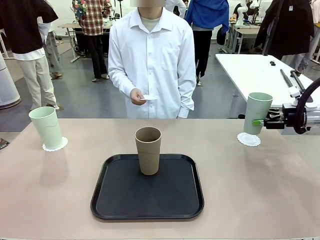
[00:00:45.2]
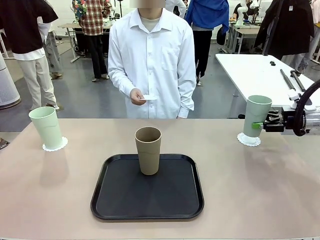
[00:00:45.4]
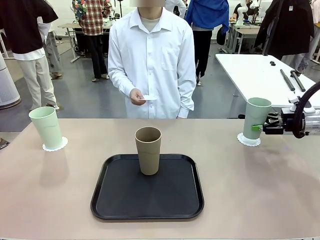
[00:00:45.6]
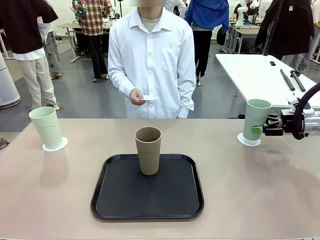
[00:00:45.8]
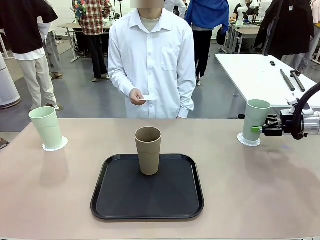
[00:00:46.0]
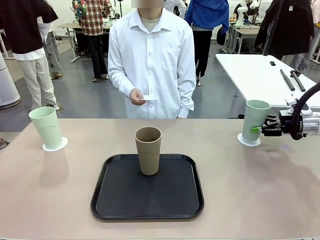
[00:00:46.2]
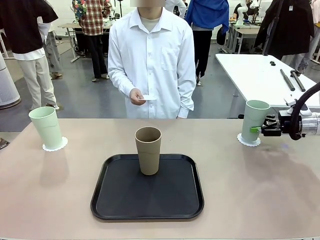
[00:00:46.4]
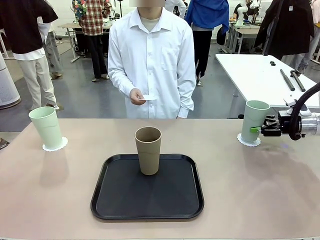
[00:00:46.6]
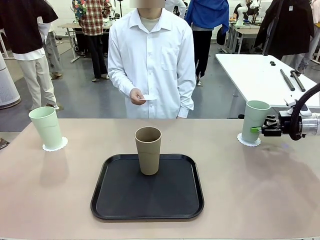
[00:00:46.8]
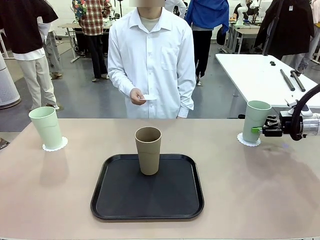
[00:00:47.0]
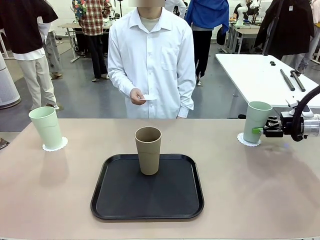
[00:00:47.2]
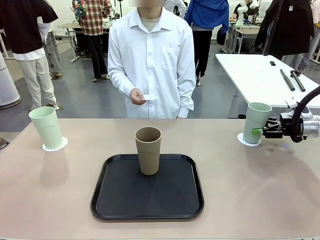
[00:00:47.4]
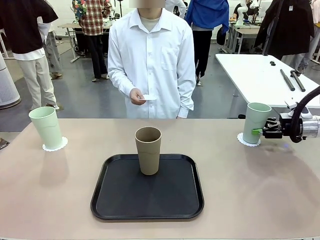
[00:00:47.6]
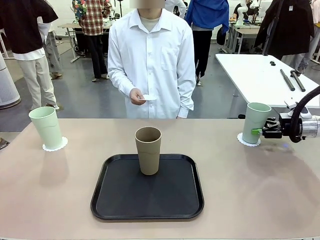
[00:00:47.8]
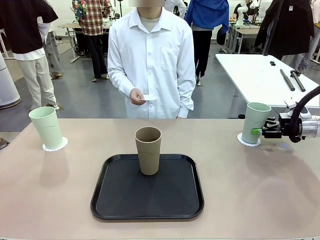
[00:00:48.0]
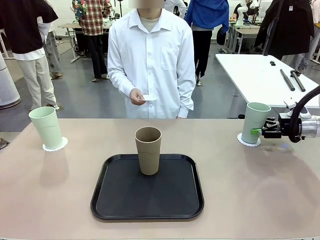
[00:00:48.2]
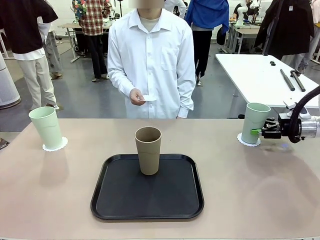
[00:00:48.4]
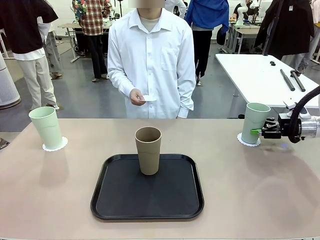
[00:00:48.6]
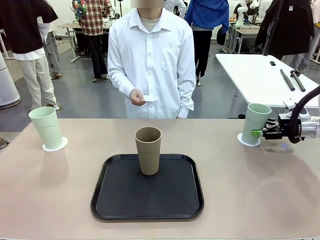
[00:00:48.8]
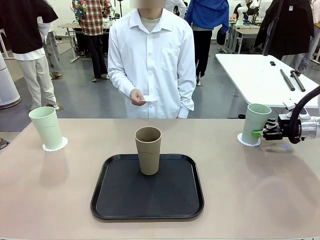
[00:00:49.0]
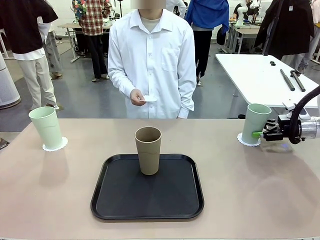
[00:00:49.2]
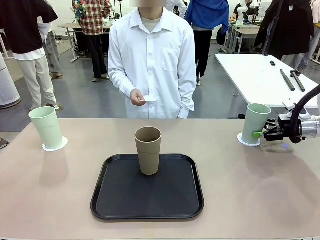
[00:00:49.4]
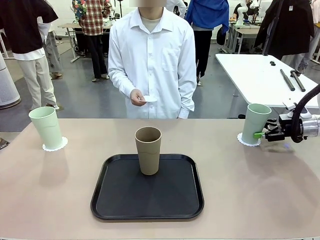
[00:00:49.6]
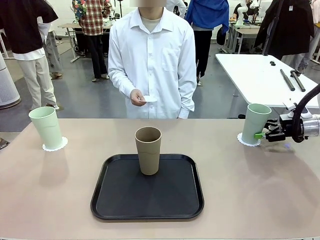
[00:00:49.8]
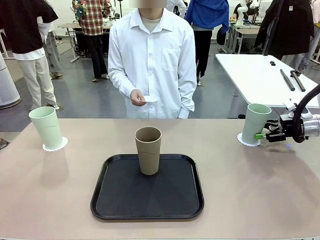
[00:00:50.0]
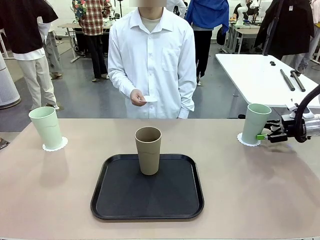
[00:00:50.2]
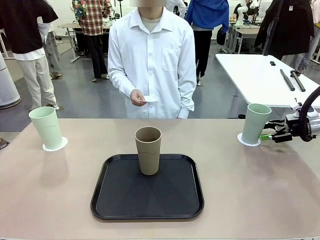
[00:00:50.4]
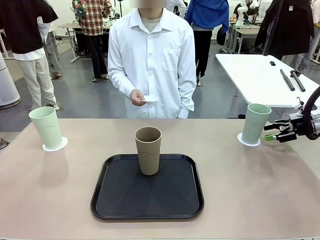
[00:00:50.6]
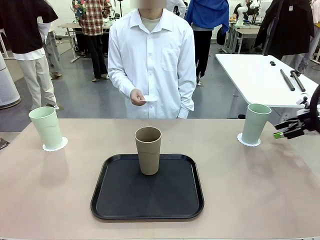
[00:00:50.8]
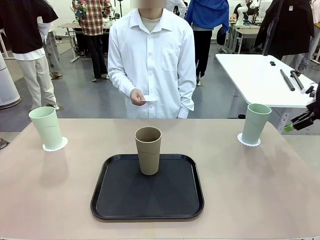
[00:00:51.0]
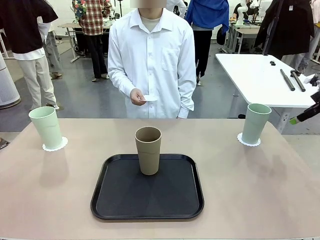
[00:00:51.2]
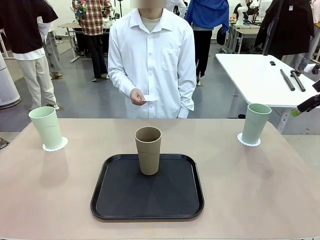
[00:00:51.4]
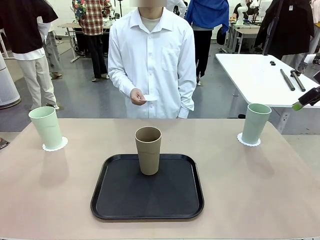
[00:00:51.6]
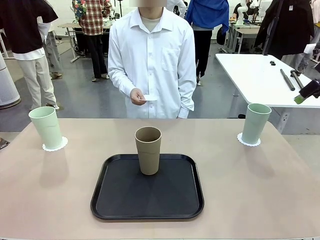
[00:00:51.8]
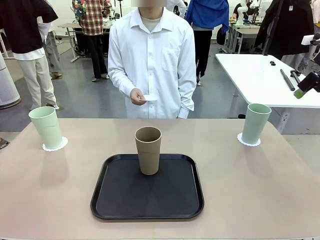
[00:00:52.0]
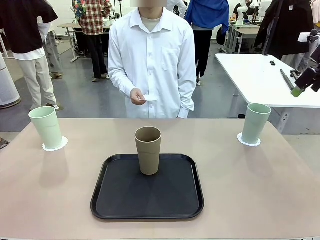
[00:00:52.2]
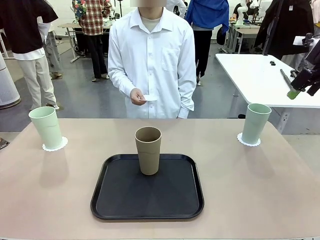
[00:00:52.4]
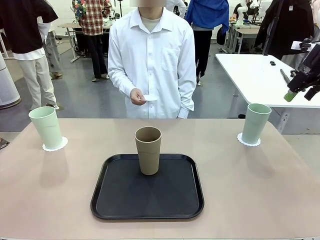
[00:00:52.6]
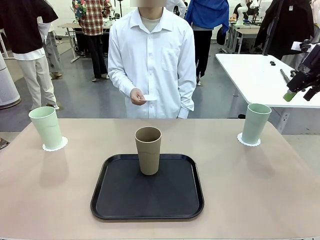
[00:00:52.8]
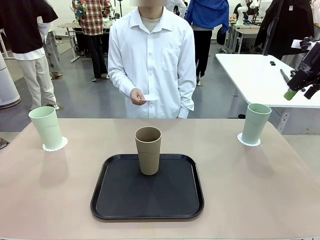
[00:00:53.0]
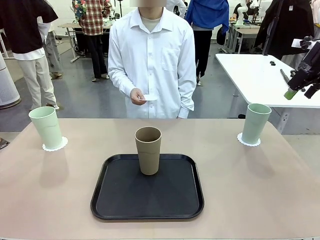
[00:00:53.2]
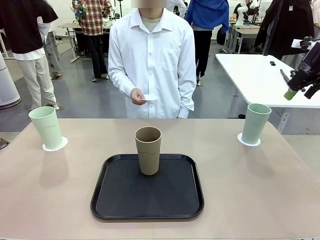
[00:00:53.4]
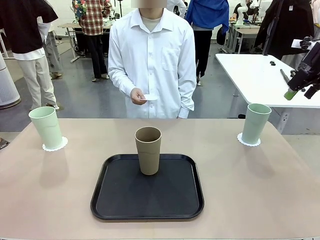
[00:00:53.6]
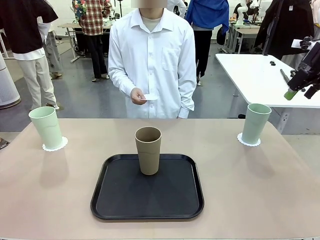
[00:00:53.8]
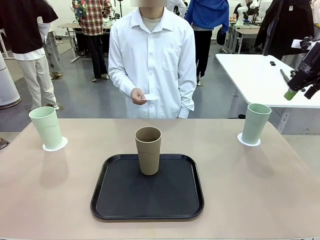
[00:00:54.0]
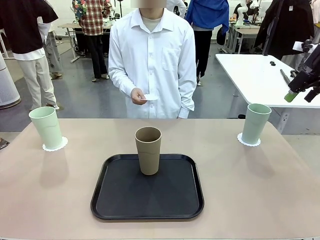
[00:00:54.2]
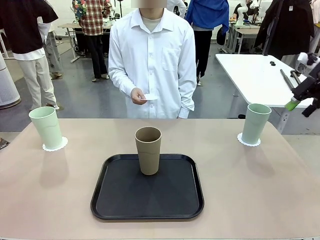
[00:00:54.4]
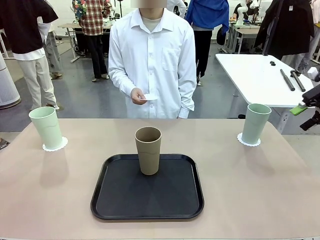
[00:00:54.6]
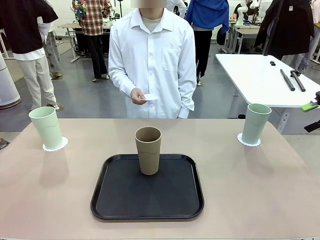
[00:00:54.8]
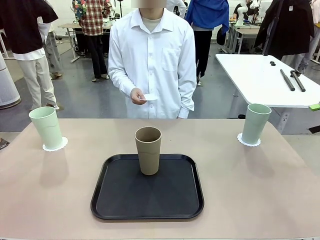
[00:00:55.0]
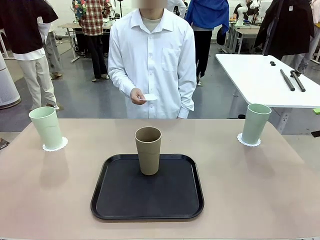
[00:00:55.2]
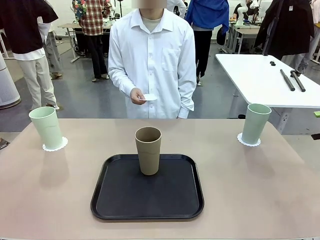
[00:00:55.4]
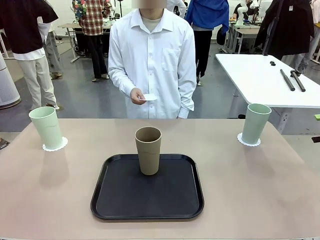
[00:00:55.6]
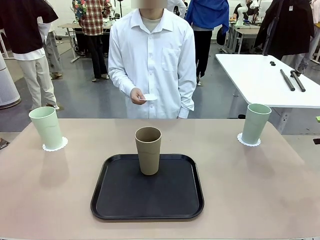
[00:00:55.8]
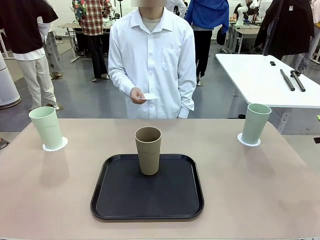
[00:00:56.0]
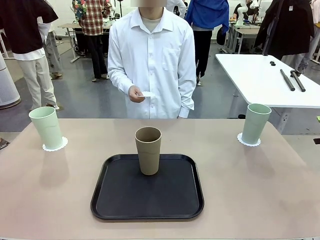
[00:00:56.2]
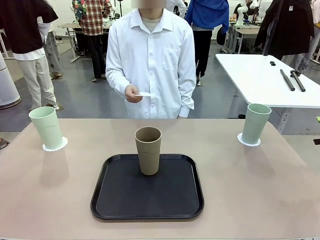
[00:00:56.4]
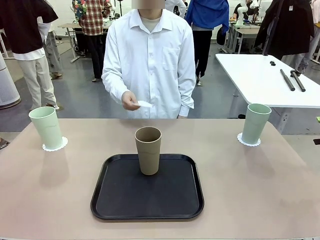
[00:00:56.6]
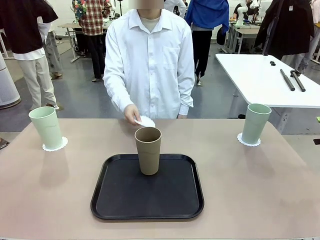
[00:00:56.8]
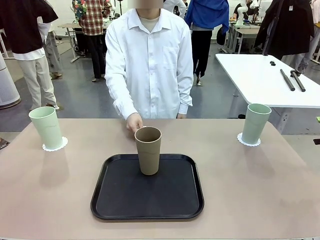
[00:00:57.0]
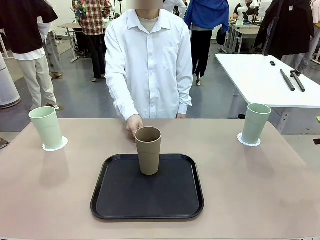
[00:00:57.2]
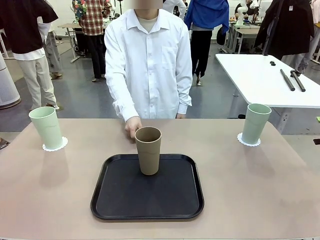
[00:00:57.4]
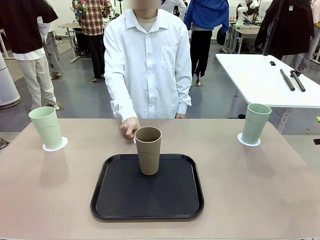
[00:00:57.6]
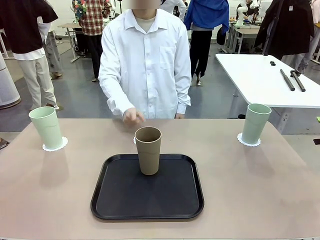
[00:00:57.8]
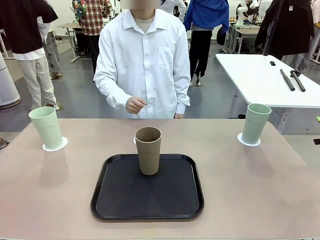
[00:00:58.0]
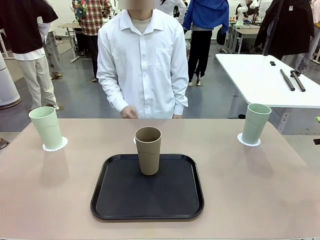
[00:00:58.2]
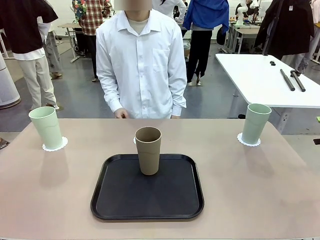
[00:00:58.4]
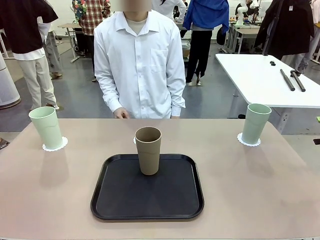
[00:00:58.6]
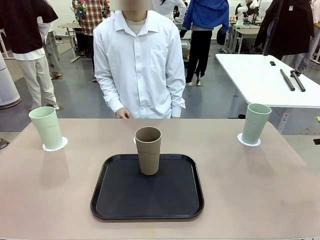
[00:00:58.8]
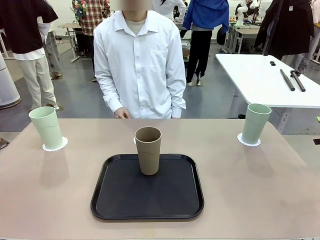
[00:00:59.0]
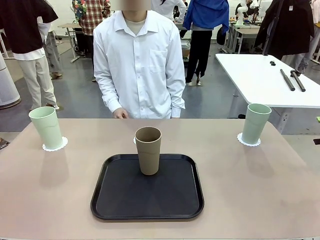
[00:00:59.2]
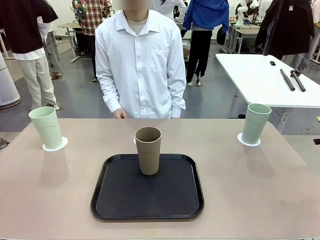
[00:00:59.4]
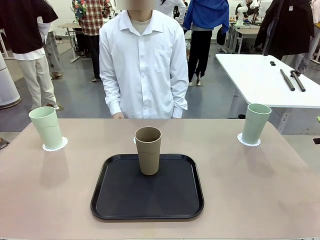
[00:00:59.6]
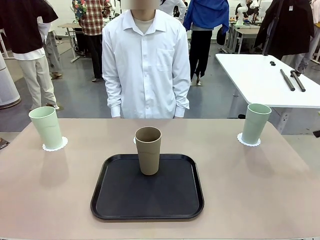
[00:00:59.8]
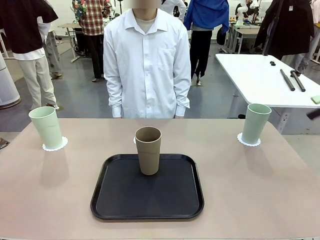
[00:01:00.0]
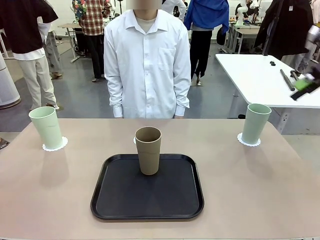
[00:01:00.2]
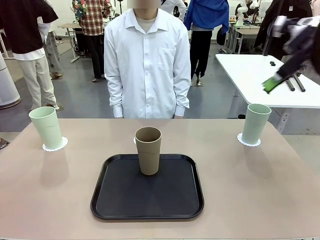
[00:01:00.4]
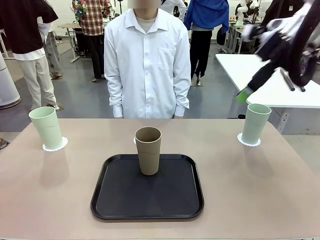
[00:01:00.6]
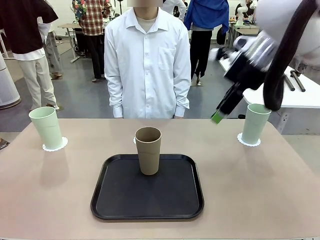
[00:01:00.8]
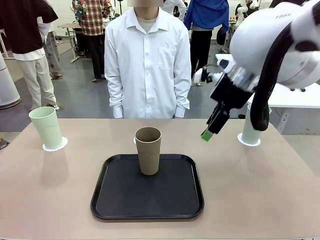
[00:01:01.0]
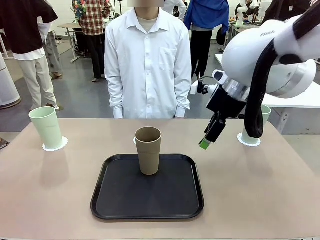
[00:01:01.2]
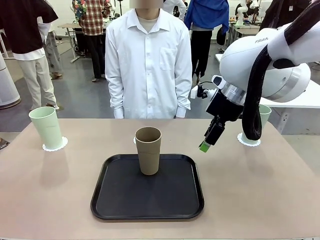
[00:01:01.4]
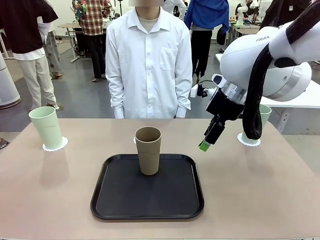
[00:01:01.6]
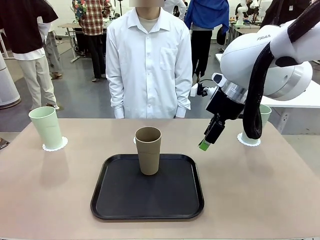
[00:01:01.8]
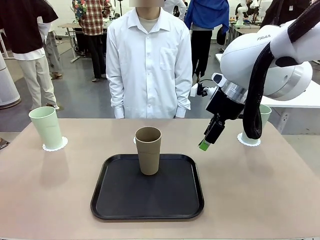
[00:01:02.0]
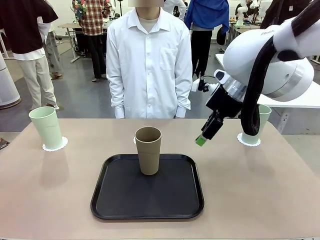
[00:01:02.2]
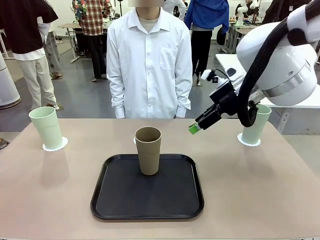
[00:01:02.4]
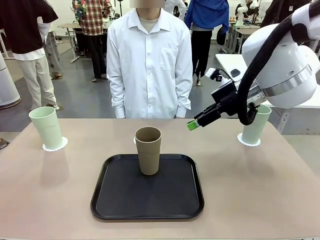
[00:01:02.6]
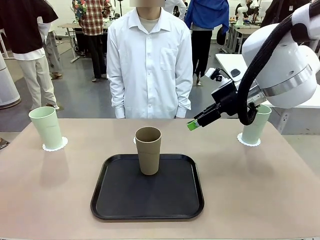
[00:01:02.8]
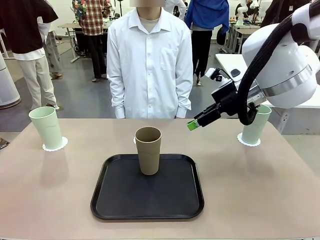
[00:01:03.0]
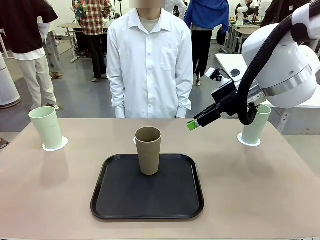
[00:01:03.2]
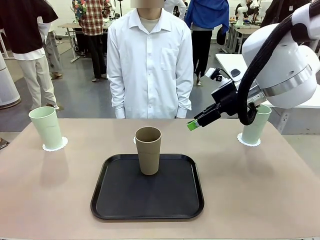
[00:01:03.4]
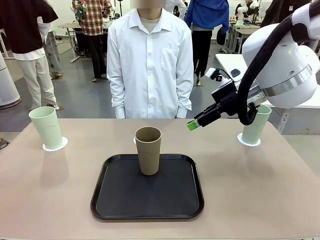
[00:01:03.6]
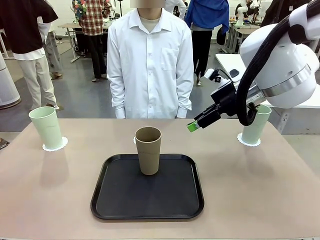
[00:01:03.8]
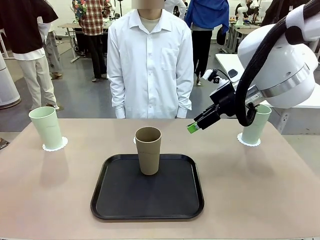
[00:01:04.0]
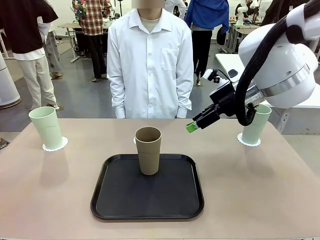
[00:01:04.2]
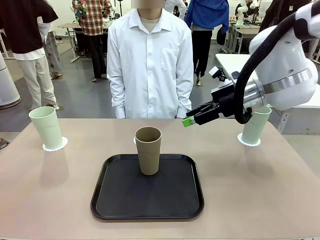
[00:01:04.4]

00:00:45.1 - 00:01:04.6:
Task: Place coasters on the table and set cups on them.
Robot: Take one Reusable plastic cup from the Flat Tray and place it on a coaster set by the human.
